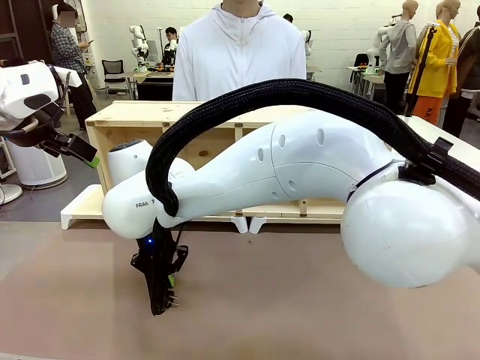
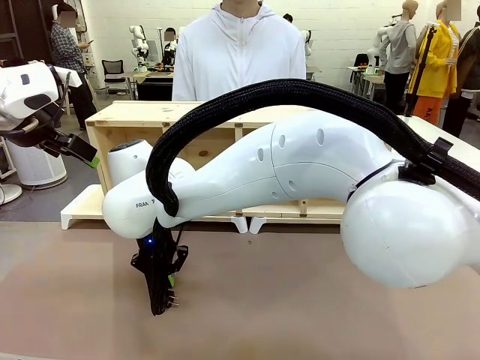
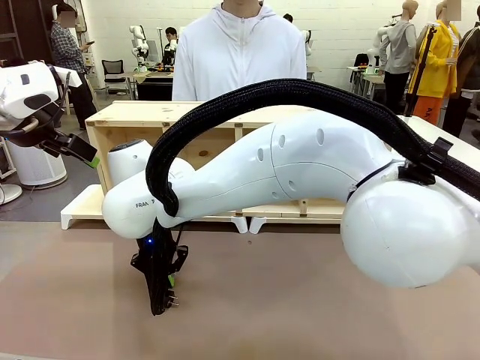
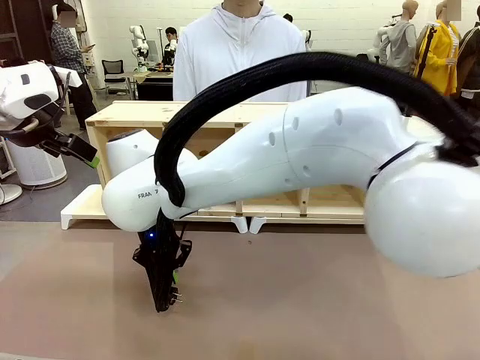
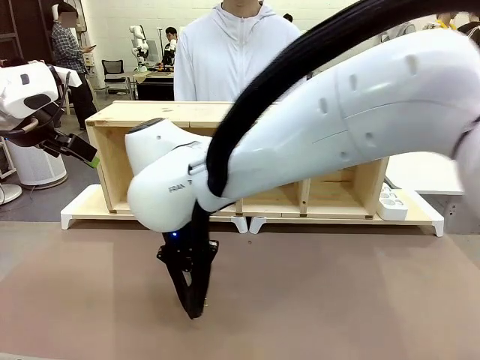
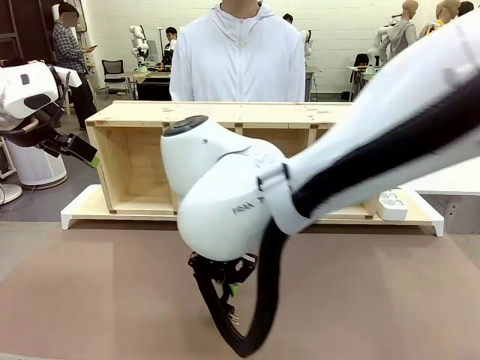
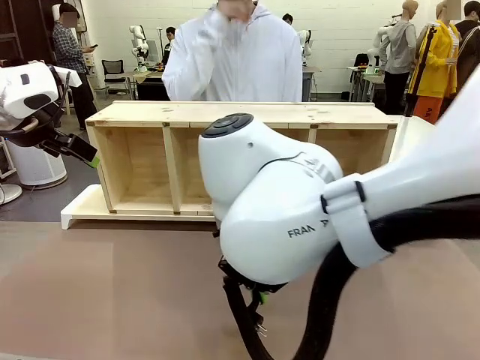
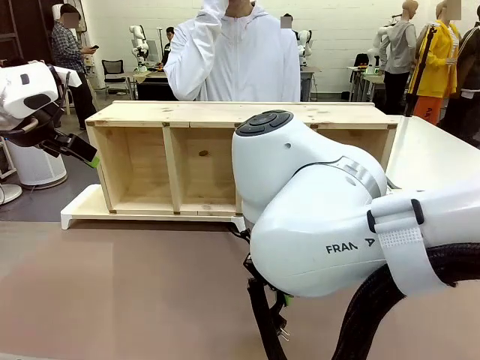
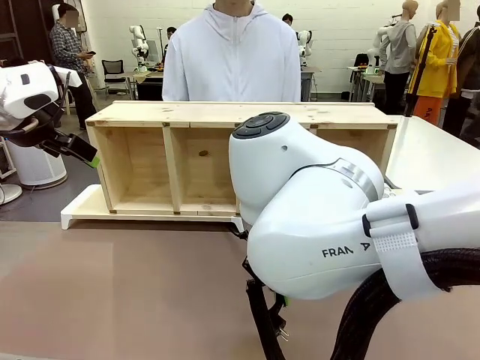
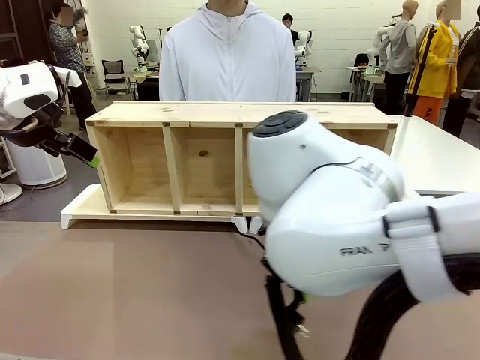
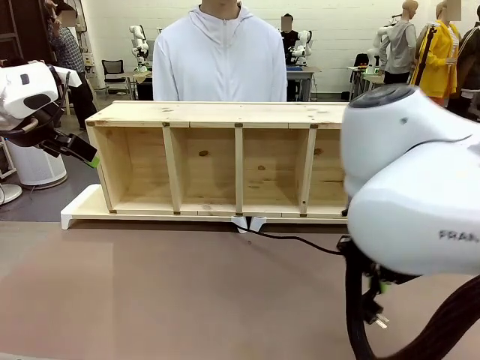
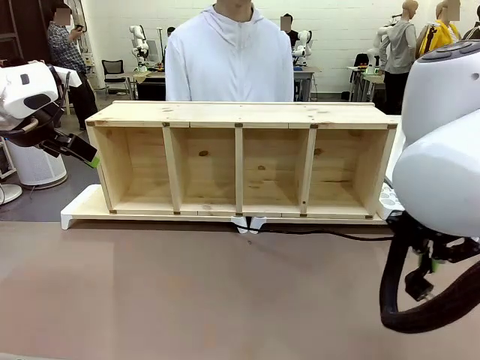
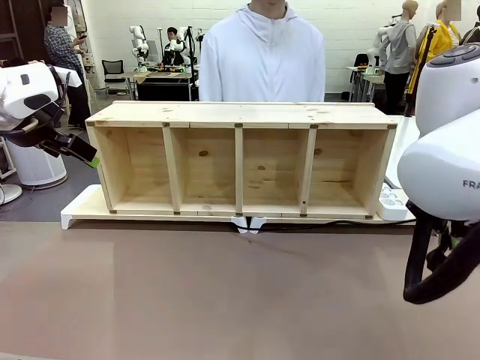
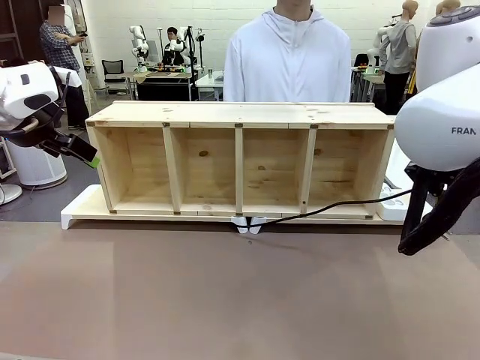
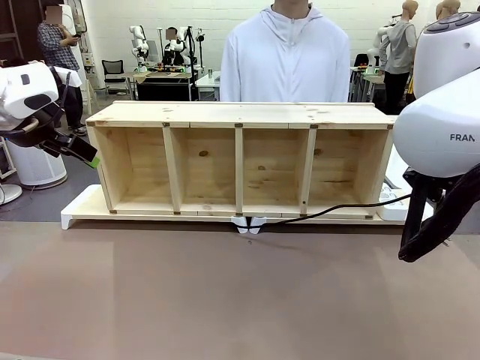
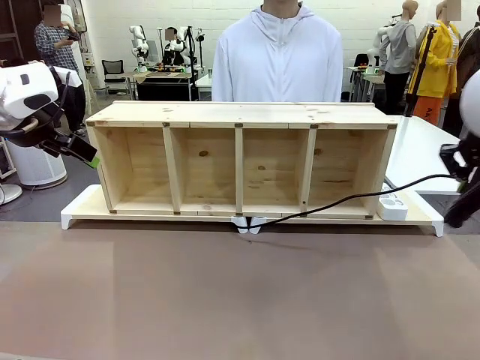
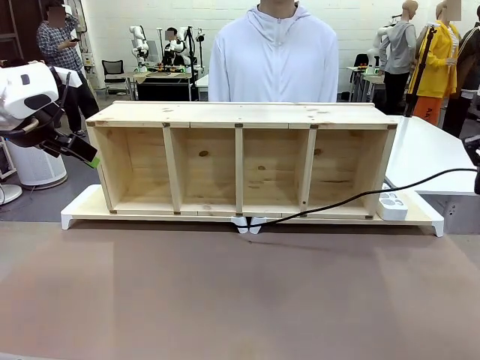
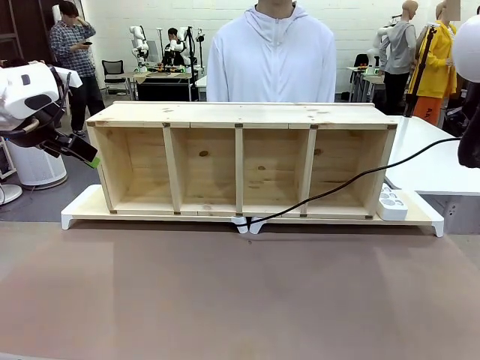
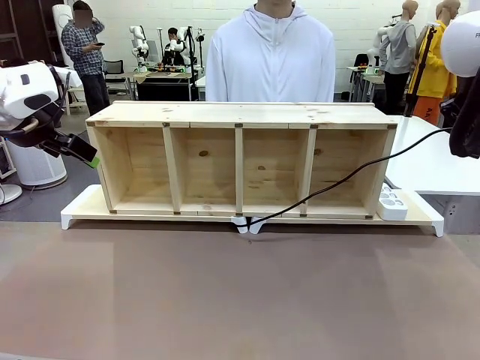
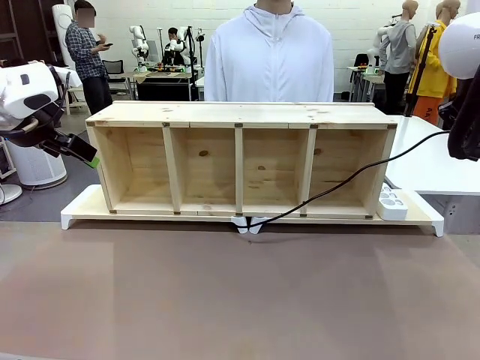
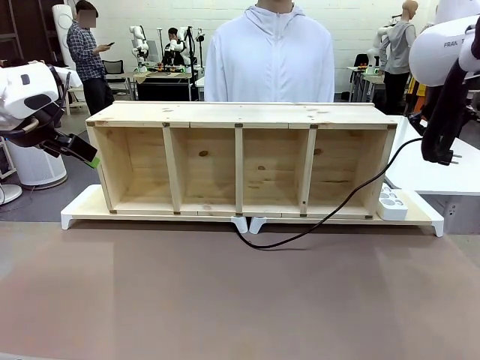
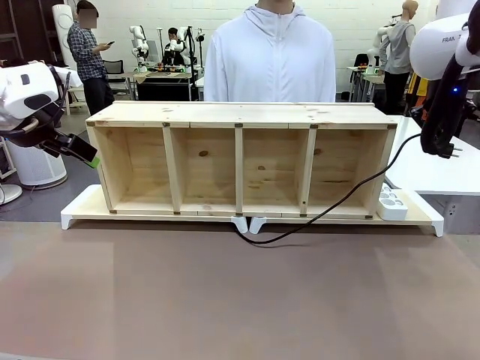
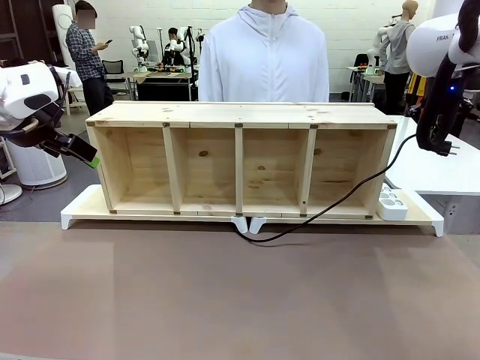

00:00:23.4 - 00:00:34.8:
Task: Perform cable management.
Robot: Pull the grasped Power Cable to the location of the Power Strip.

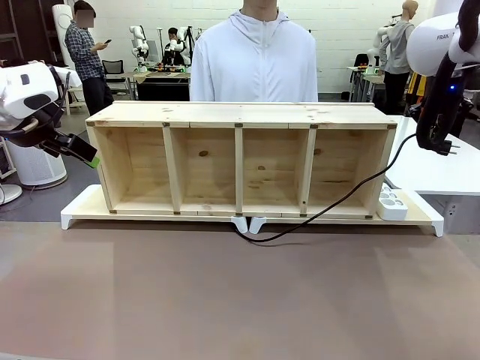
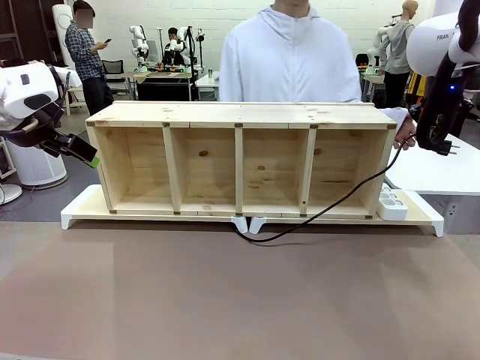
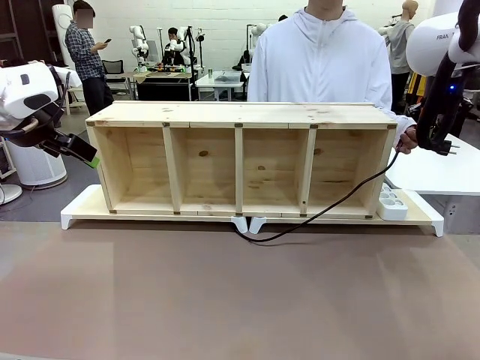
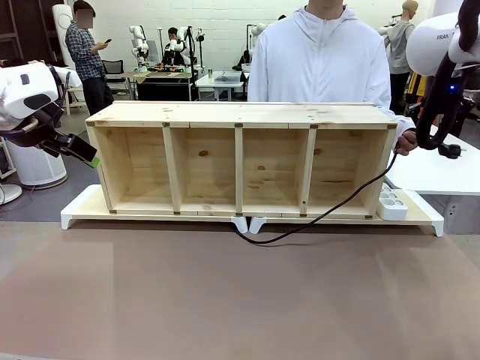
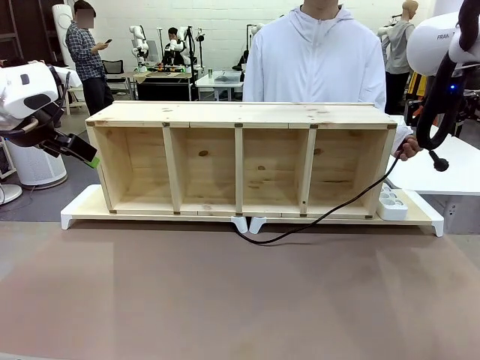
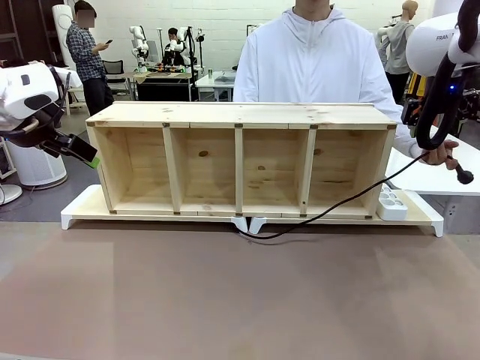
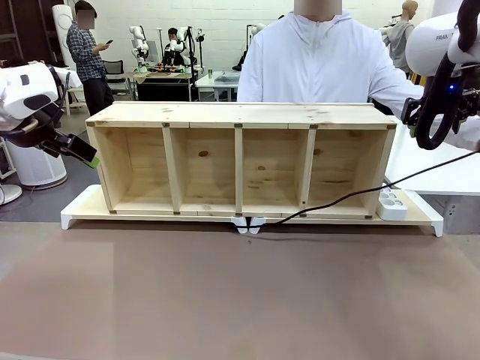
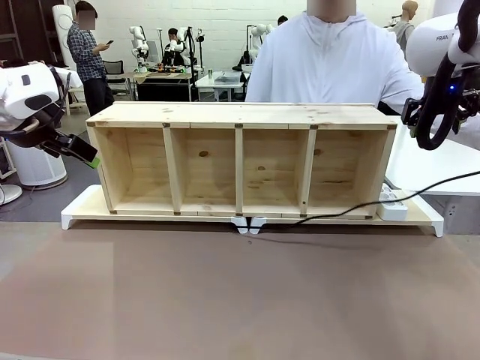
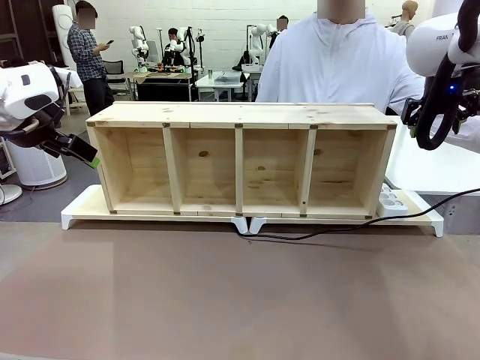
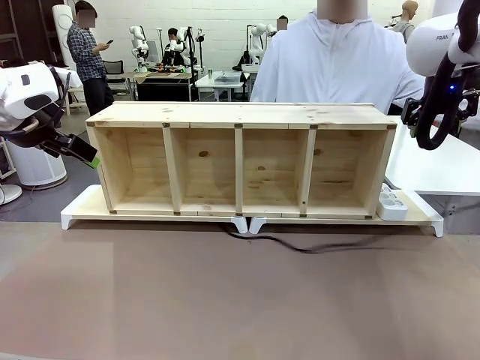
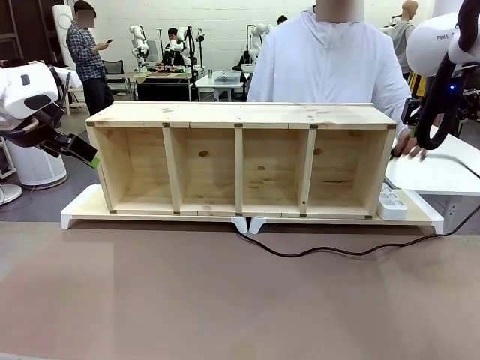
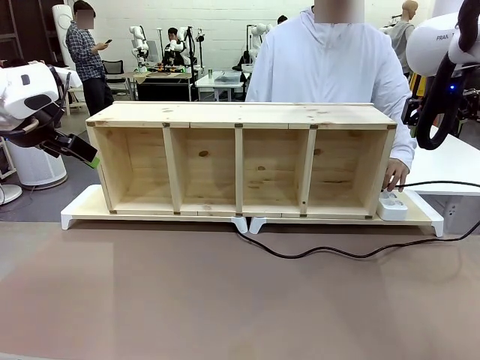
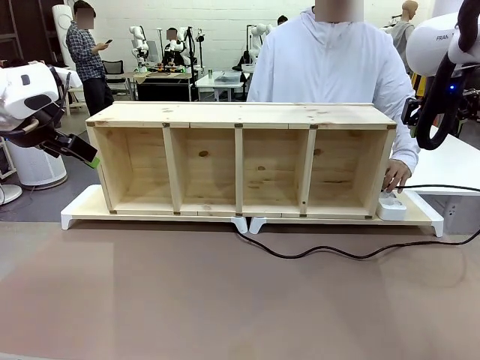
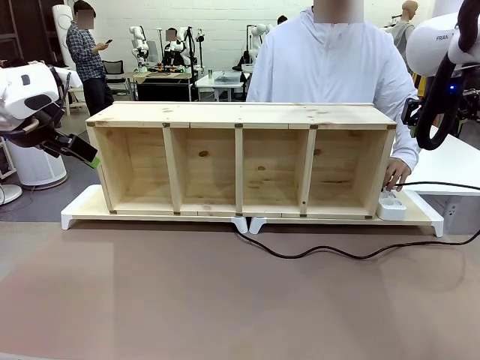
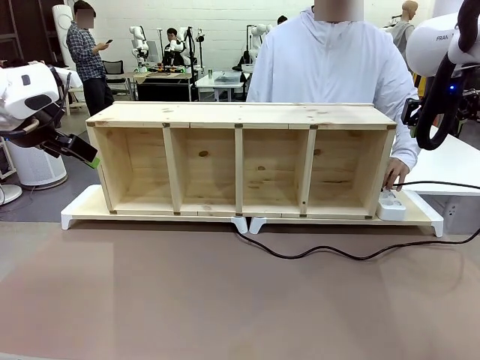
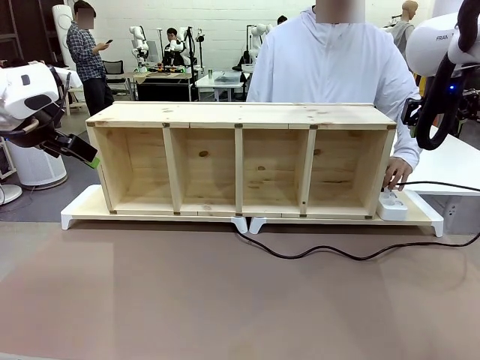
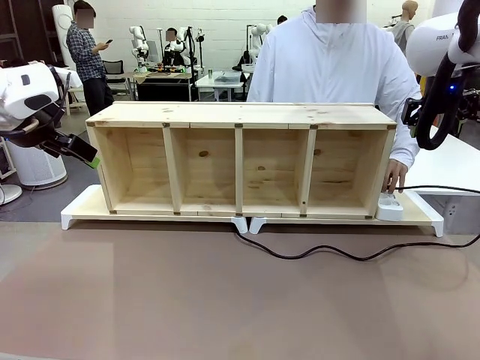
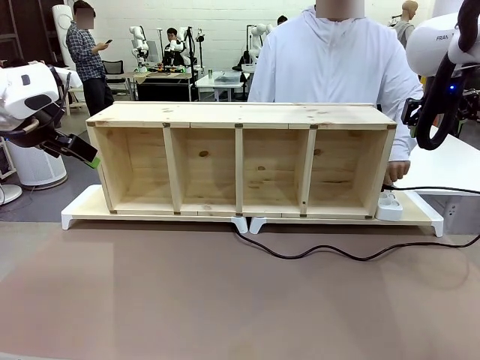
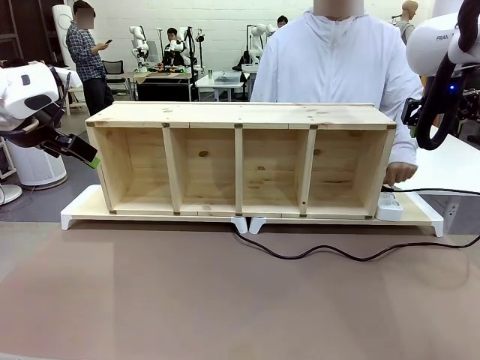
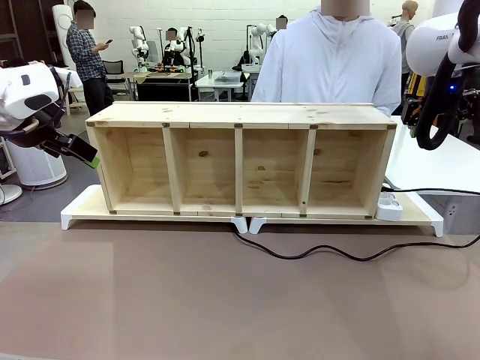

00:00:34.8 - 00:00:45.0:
Robot: Release the Power Cable when the human grasps it.
Person: Plug the Power Cable into the Power Strip.
